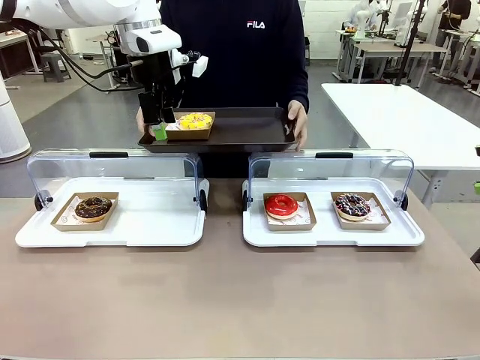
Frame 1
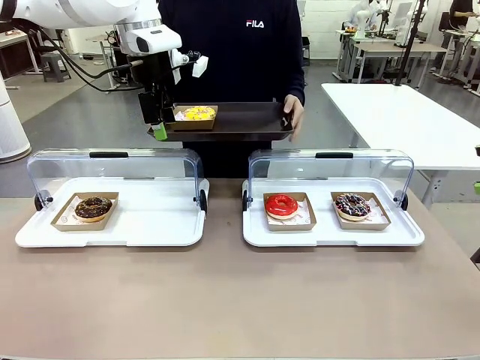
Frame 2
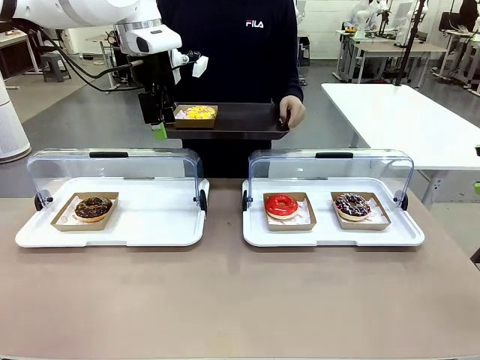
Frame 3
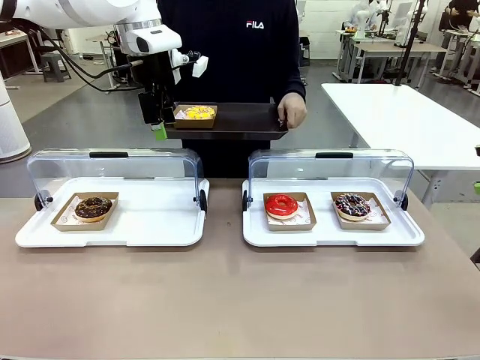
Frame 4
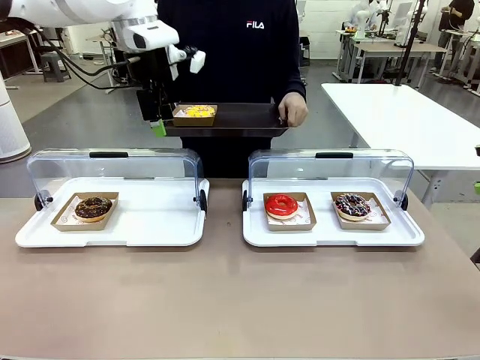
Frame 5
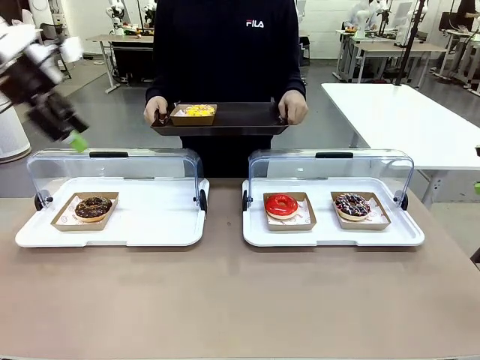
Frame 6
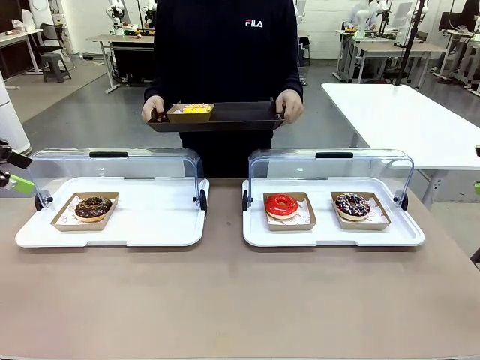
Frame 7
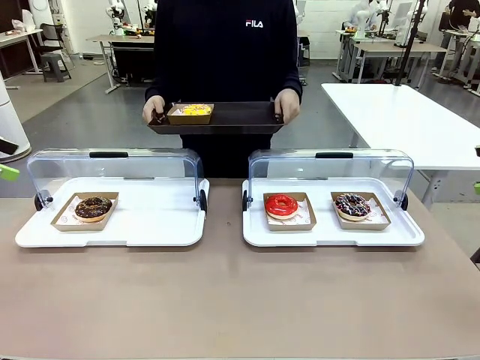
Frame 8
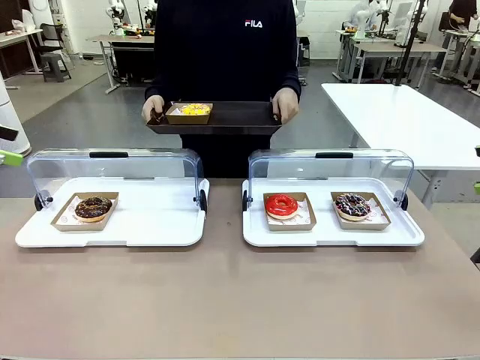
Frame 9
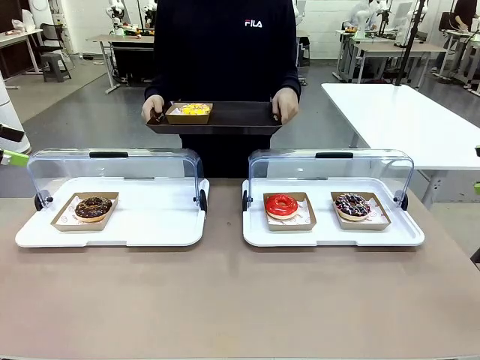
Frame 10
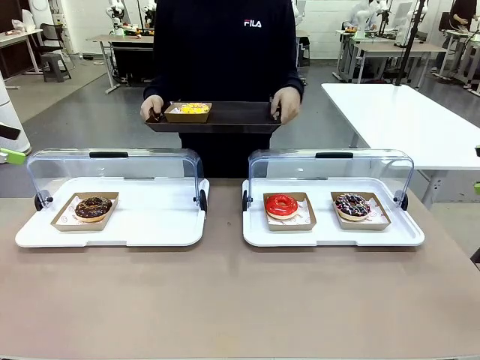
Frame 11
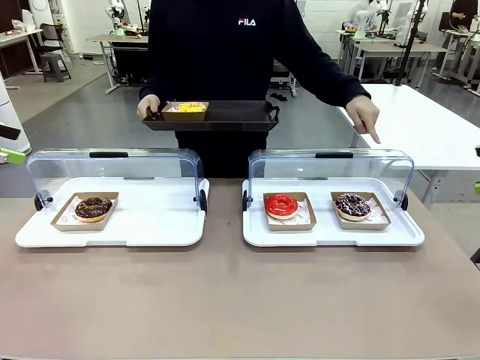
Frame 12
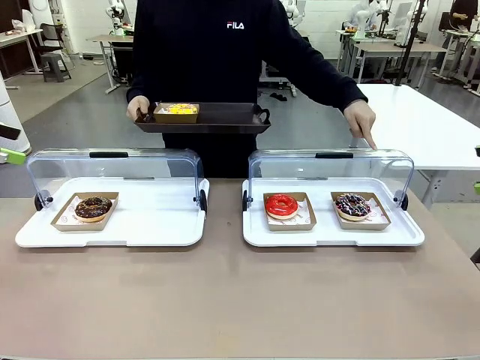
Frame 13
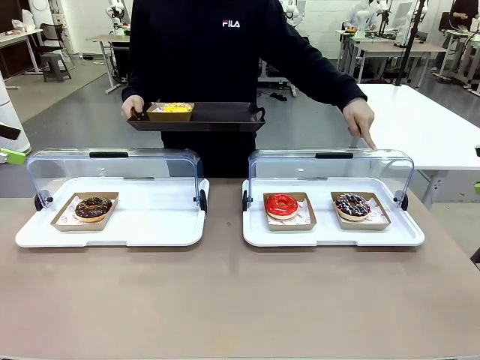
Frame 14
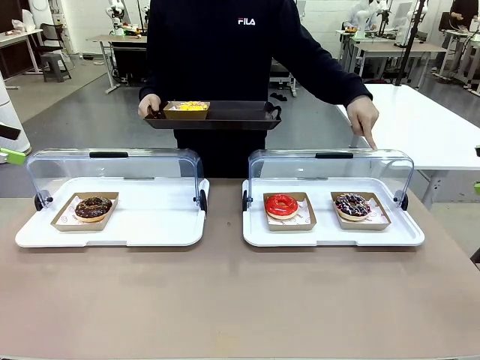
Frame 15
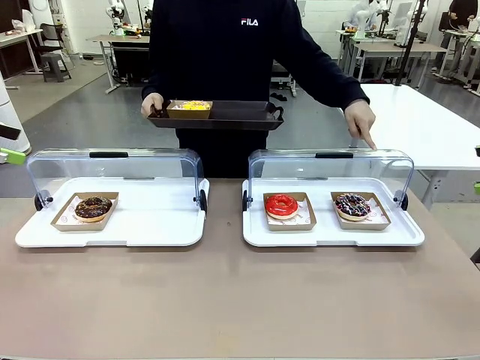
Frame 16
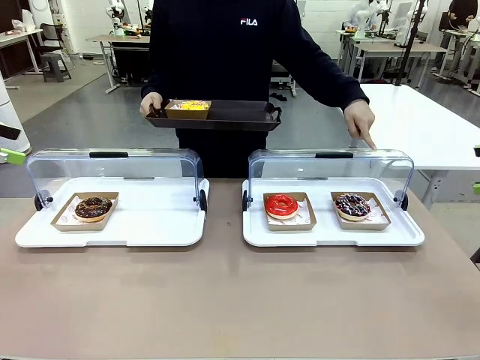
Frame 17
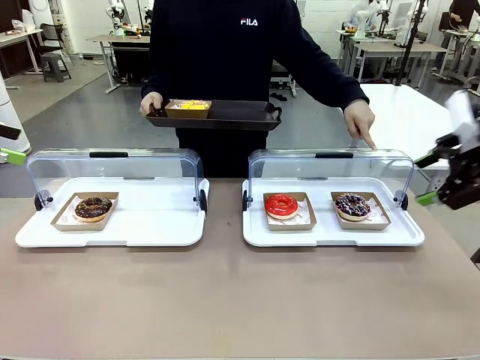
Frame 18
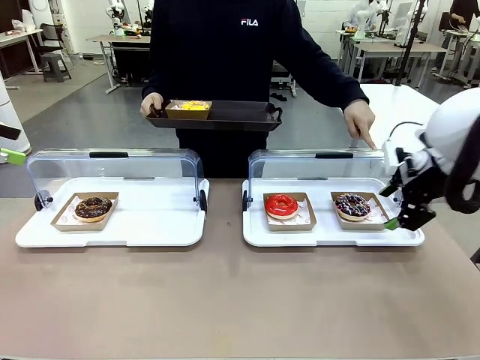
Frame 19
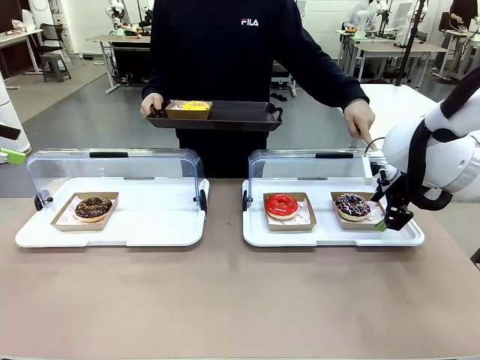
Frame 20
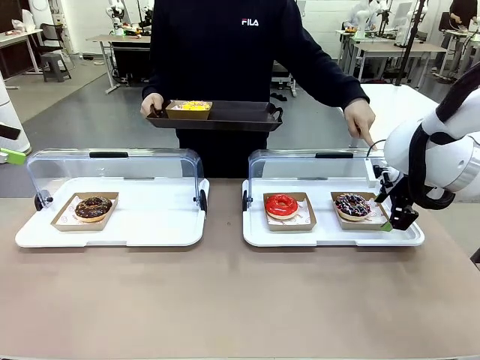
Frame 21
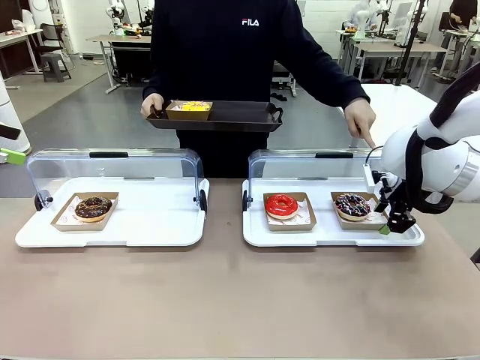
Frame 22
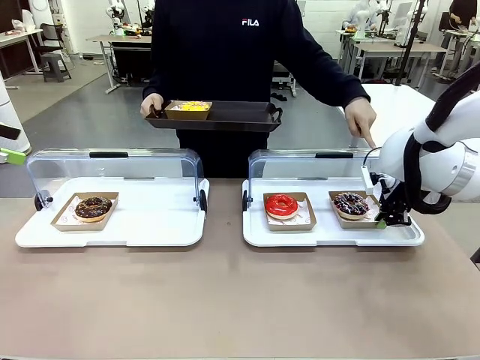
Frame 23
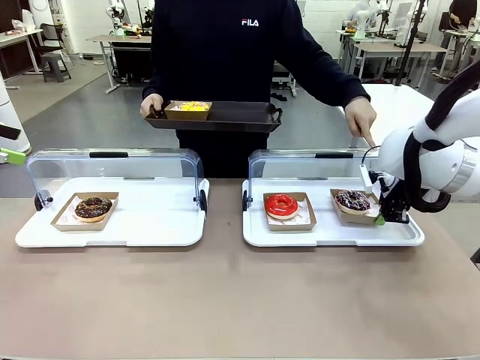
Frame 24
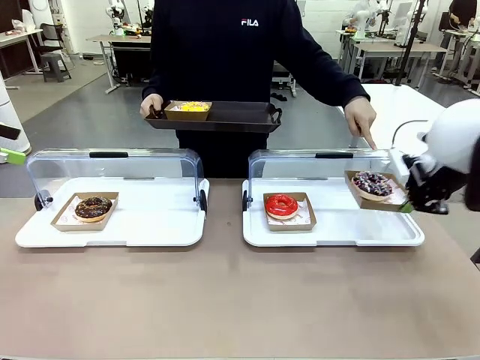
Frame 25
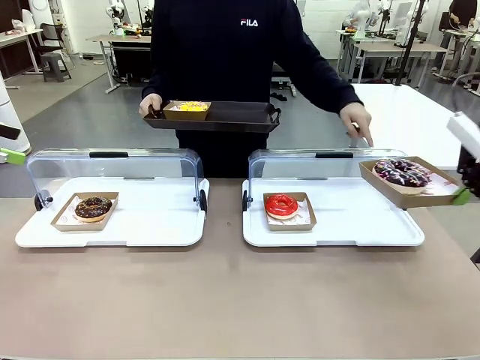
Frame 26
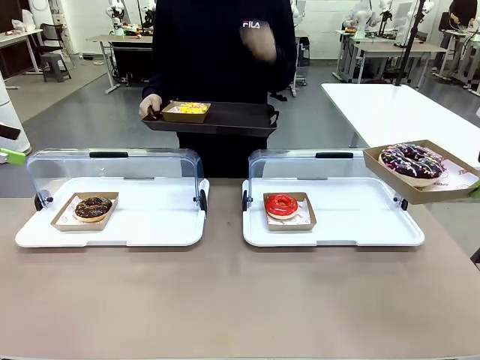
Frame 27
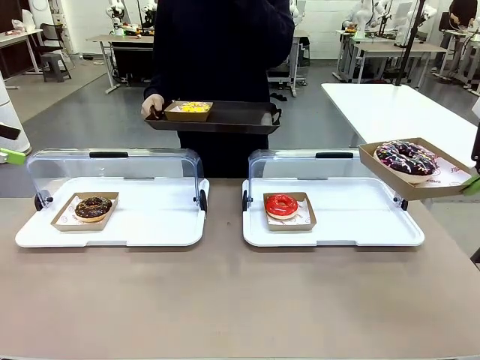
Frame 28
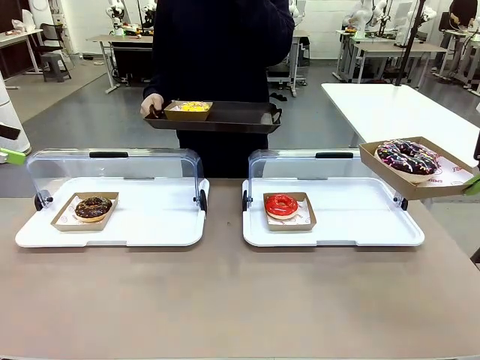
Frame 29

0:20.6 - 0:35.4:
Task: Provide the desired donut to the person.
Robot: Pick up and lift the Paper togo box containing the Donut pointed at by the person.
Person: Point to one donut. Lift the tray onto the Roll-Top Bakery Case.

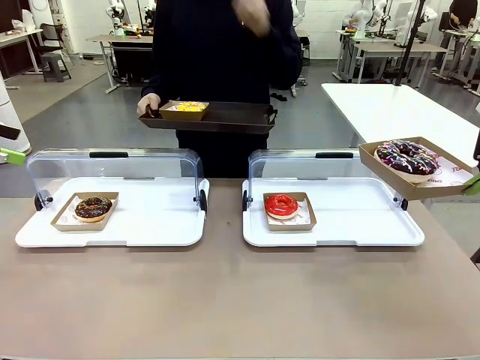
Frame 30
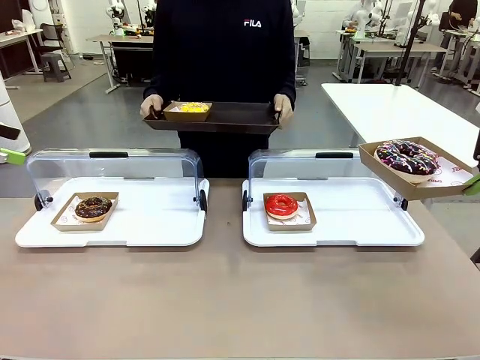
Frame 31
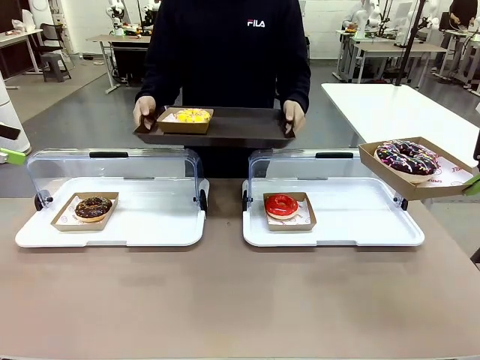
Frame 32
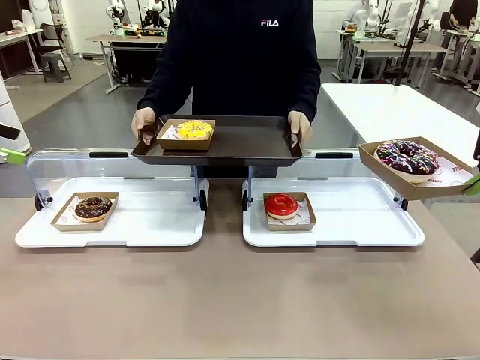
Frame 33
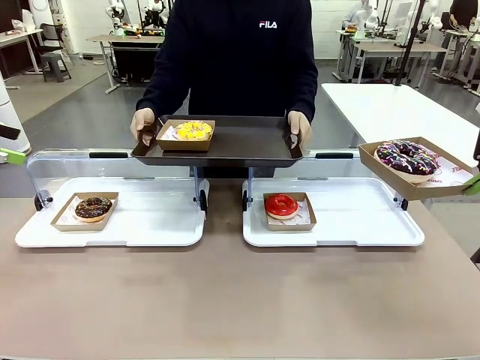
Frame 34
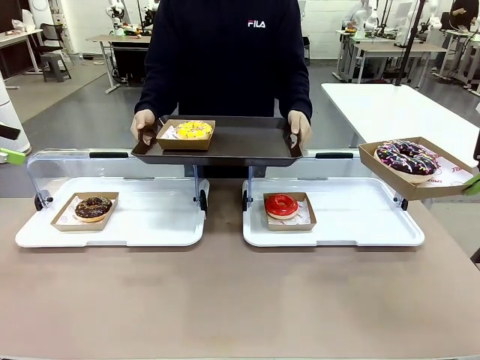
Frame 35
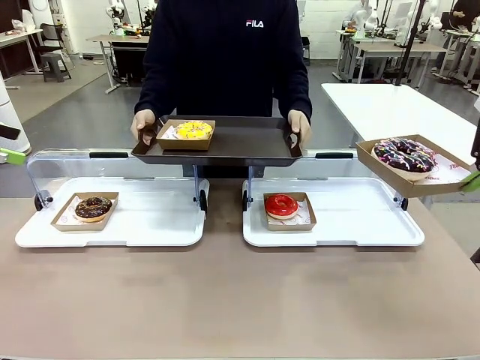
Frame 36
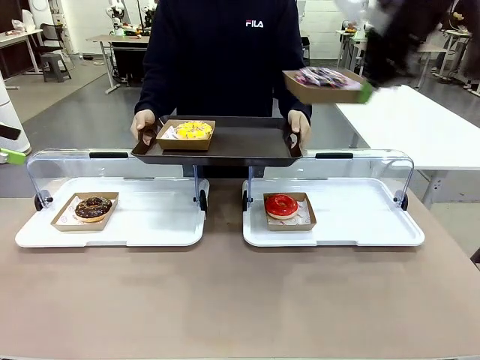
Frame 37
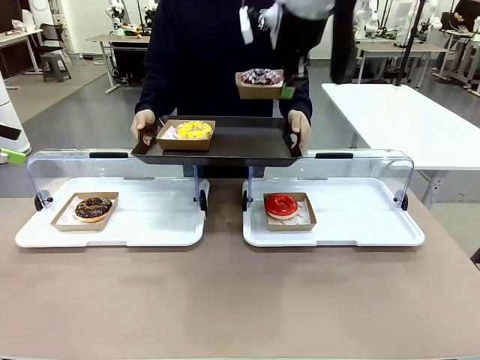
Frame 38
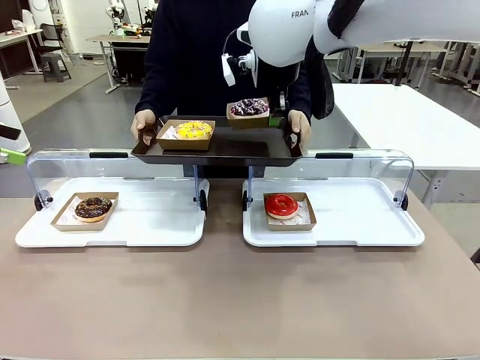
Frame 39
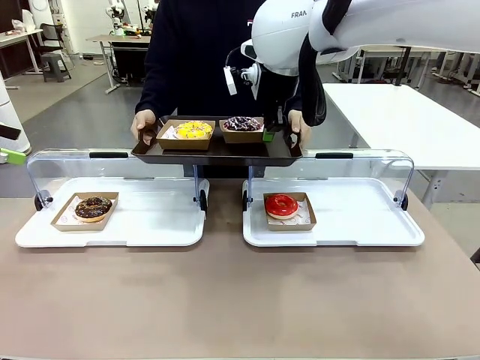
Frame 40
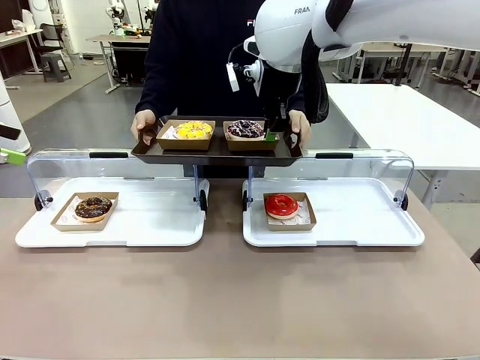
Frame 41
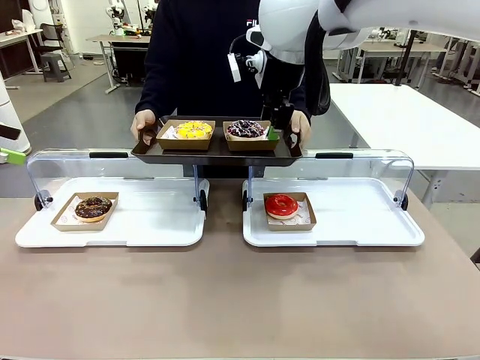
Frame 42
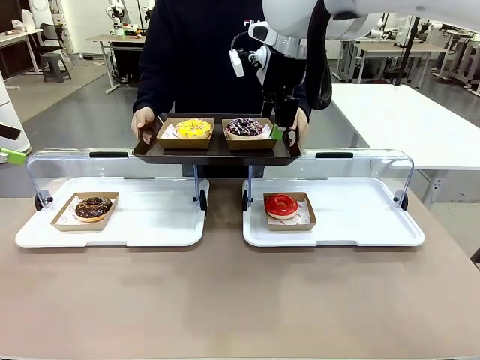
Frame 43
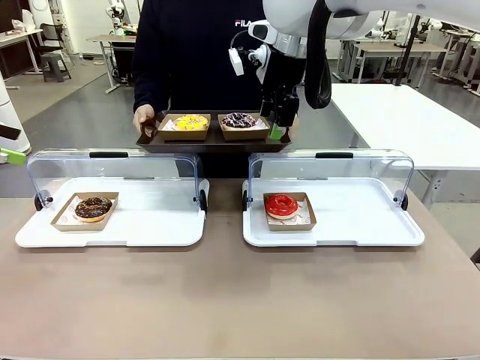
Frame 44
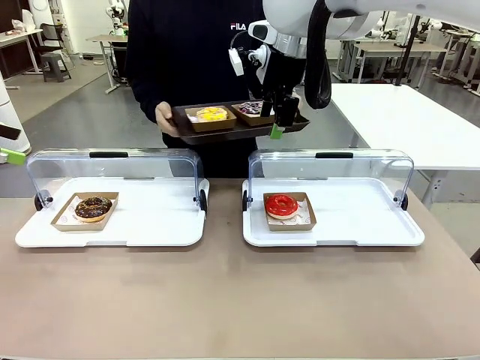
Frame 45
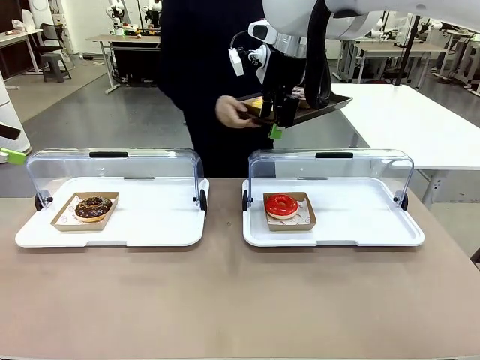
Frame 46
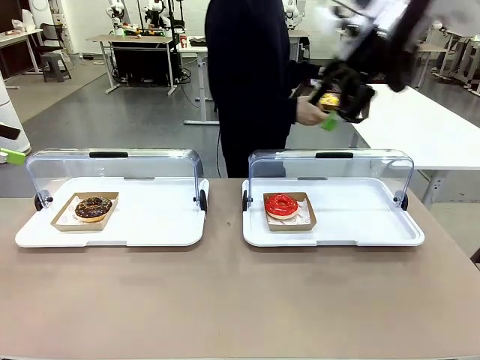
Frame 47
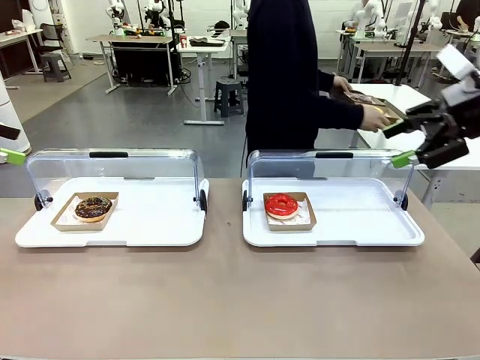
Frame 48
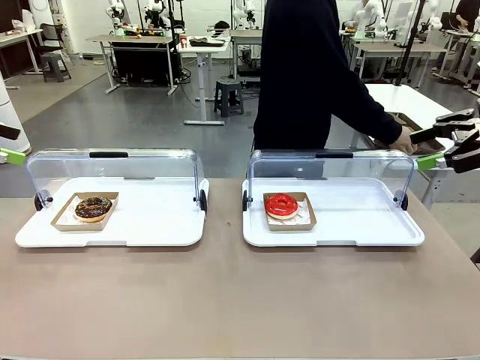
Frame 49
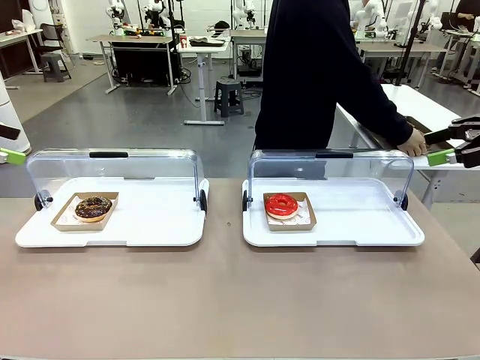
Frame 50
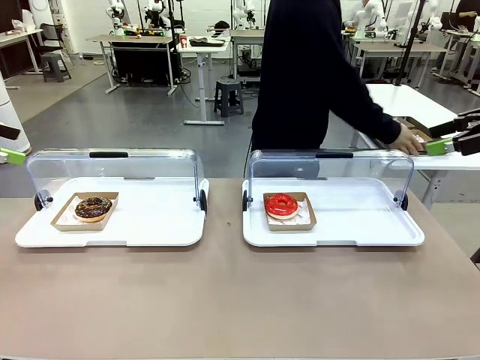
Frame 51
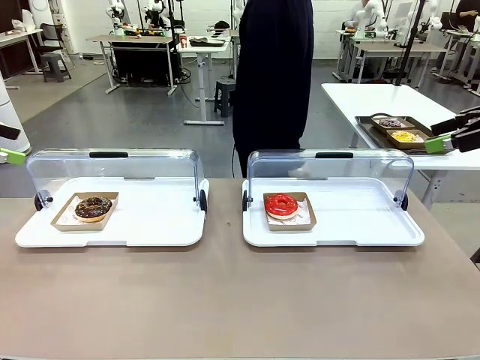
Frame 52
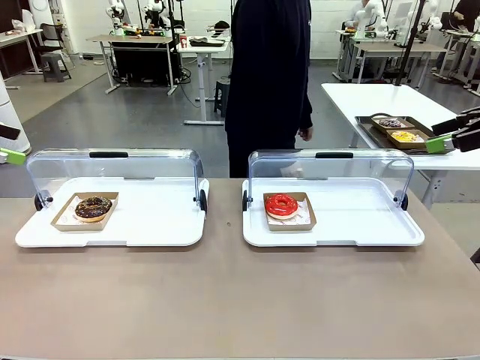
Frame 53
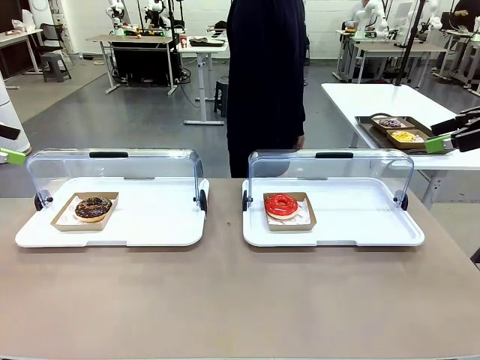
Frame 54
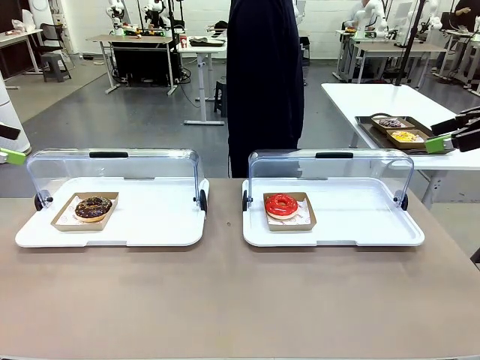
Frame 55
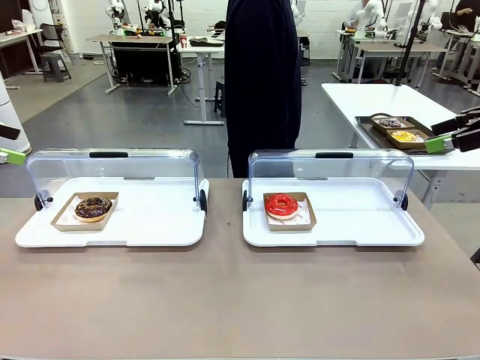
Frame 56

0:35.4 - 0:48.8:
Robot: Place the picked Paper togo box onto the Handle tray extended by the person.
Person: Place the tray in the middle of the human table.
